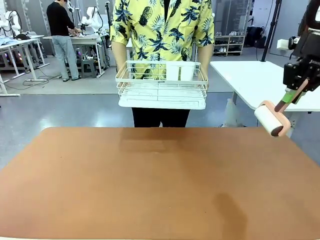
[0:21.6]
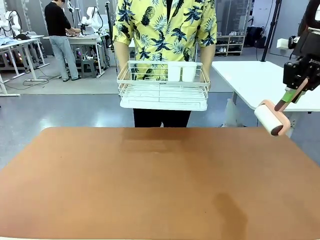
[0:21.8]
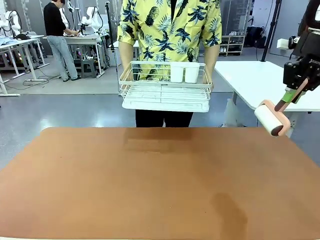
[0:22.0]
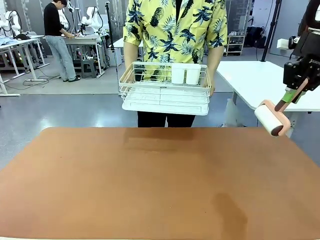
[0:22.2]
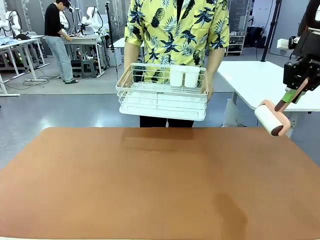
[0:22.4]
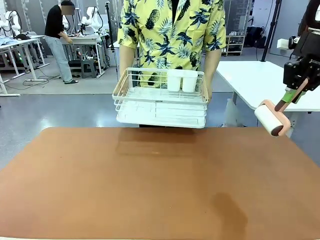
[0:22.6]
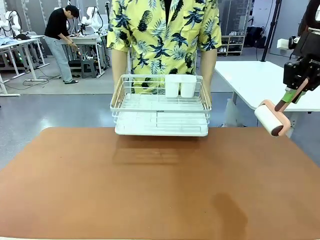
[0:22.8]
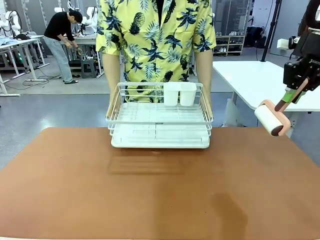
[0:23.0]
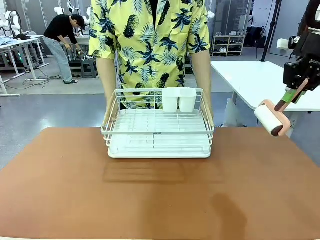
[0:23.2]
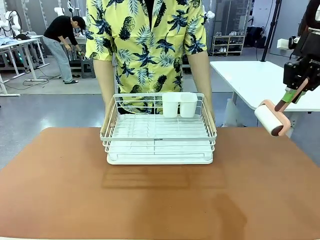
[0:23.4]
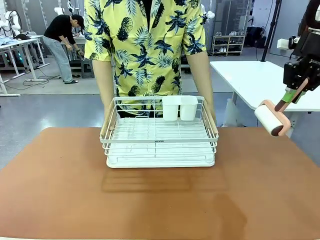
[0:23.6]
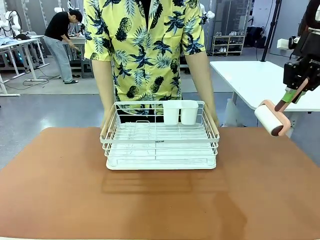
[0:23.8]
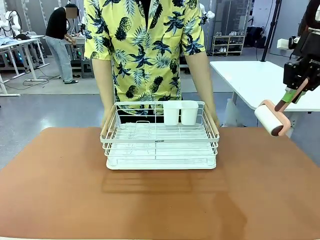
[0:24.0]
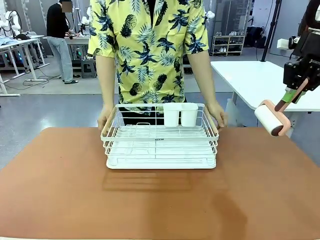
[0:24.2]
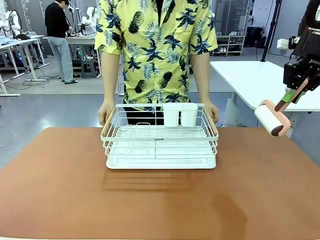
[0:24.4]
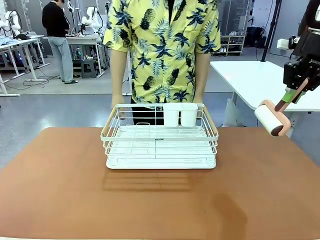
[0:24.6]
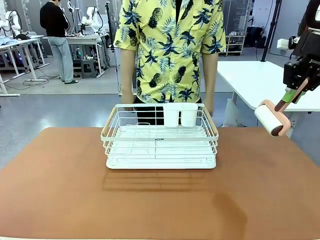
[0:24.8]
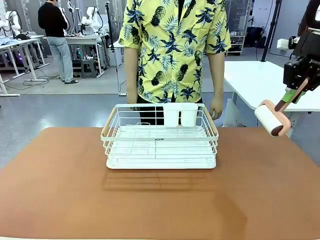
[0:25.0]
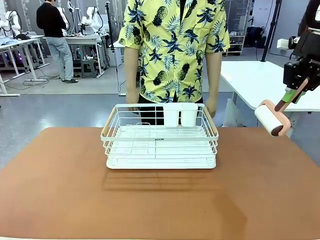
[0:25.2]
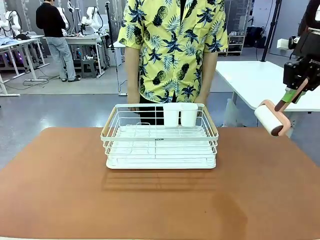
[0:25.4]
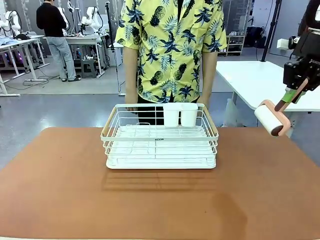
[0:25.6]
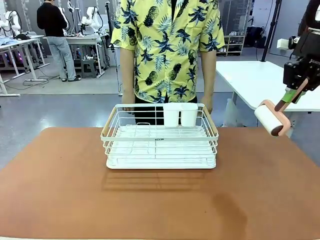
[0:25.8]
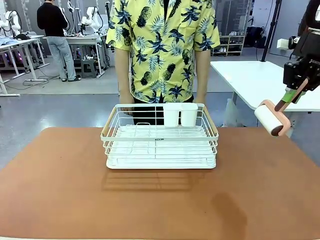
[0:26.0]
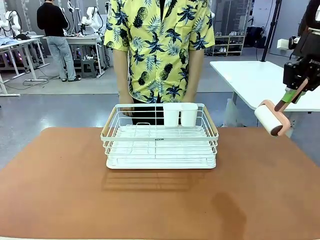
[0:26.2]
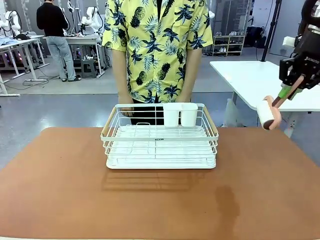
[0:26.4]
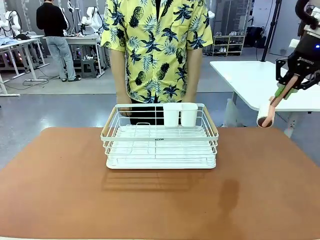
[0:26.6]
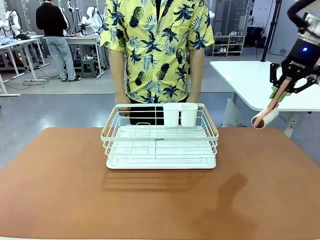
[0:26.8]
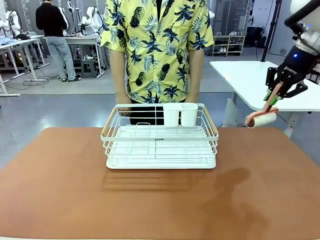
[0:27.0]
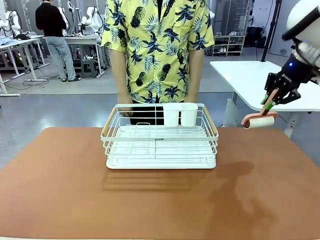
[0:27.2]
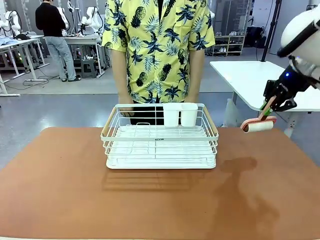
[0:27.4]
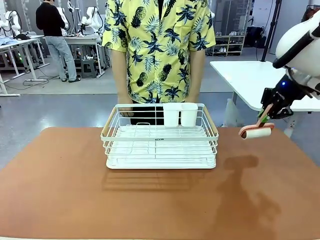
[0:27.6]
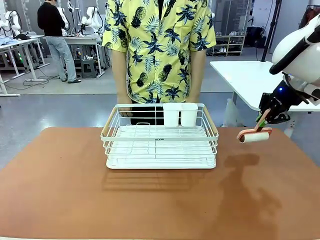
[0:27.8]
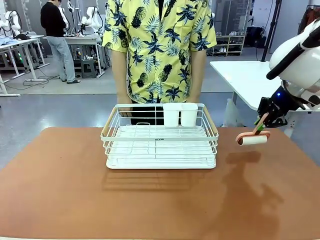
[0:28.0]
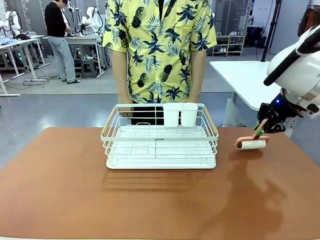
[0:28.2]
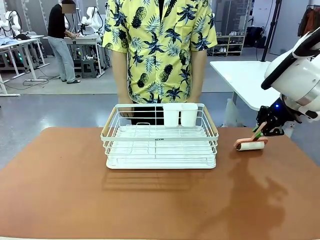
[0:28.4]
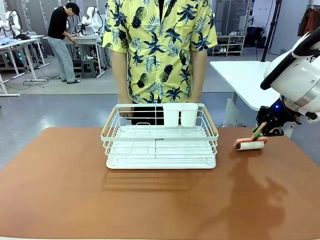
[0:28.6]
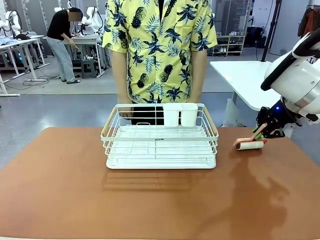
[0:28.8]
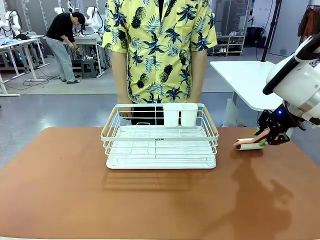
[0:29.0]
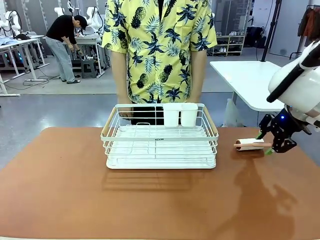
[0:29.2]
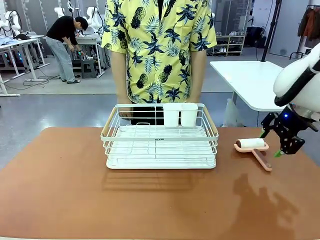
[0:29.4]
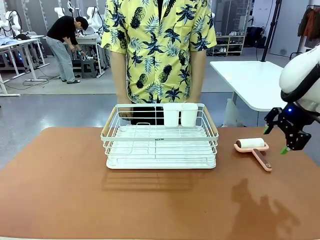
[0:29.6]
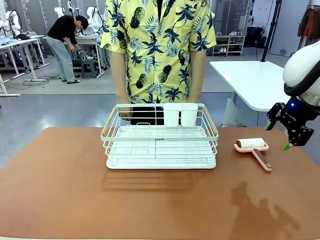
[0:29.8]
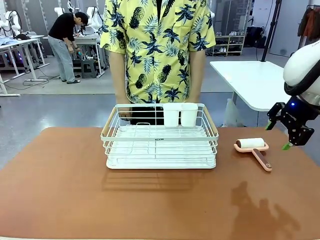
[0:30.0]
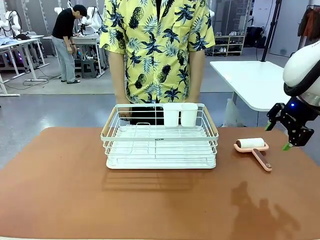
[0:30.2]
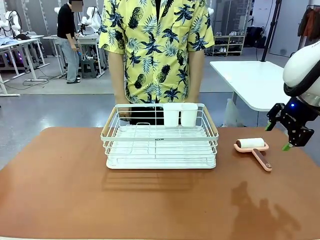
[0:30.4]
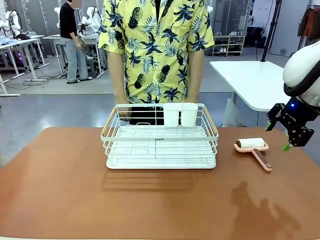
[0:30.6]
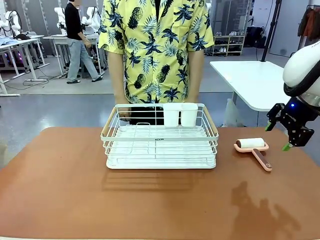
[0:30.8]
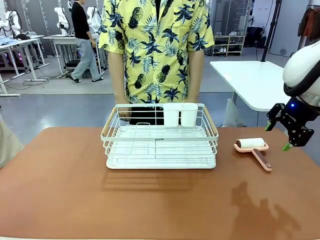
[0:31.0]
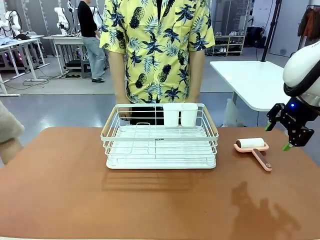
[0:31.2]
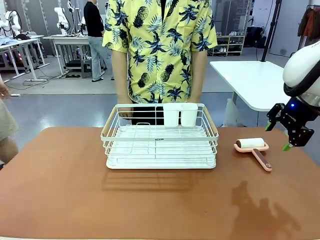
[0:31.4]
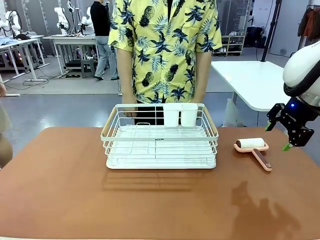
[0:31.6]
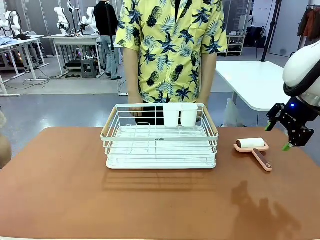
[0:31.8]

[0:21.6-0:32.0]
Task: Clean the table.
Robot: Place the Lint Roller down when the Dish drying rack is positioned in the middle of the table.
Person: Place the Dish drying rack down when the robot finishes cleaning.

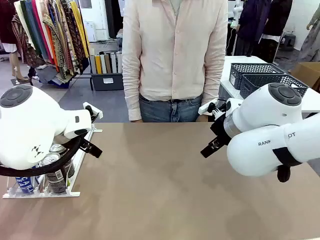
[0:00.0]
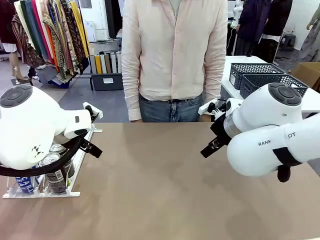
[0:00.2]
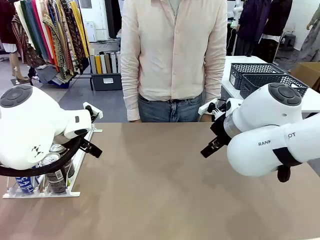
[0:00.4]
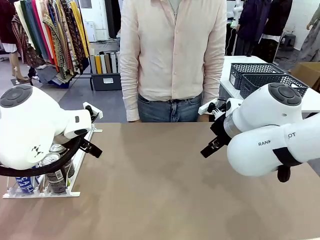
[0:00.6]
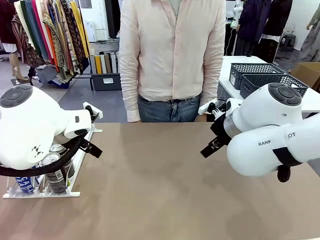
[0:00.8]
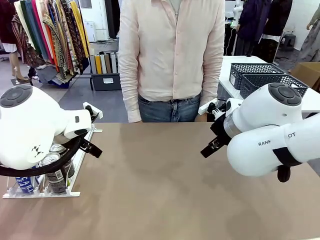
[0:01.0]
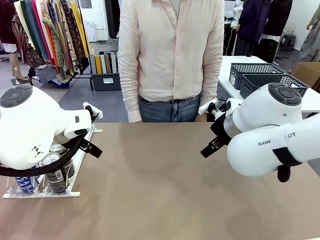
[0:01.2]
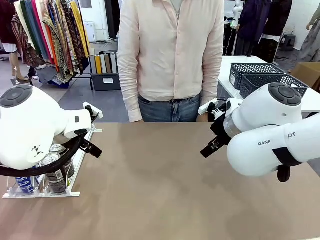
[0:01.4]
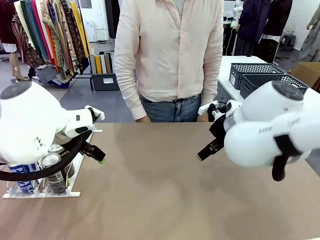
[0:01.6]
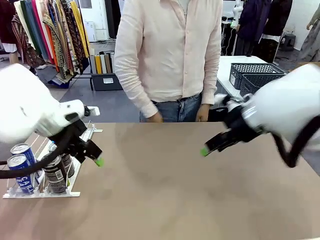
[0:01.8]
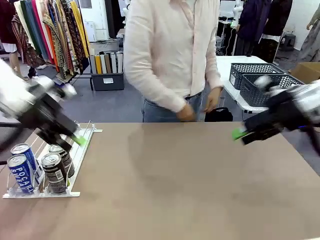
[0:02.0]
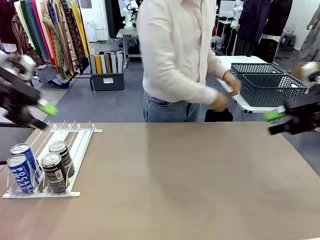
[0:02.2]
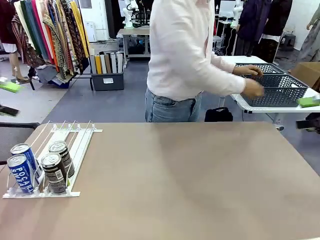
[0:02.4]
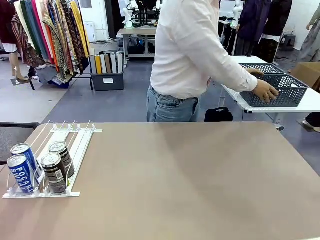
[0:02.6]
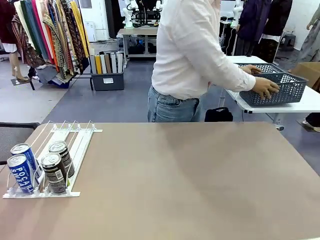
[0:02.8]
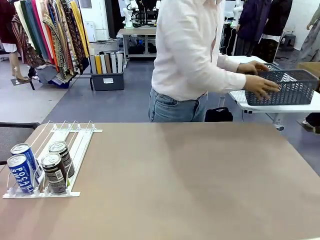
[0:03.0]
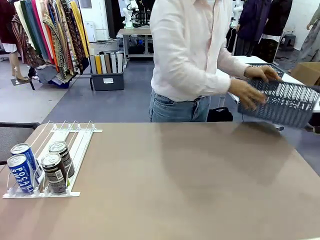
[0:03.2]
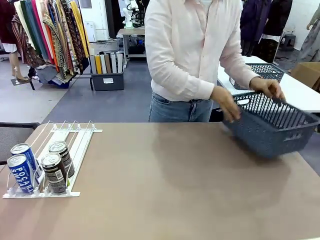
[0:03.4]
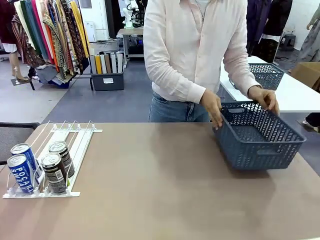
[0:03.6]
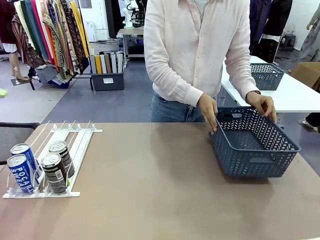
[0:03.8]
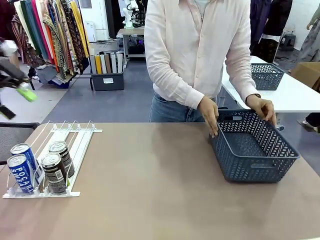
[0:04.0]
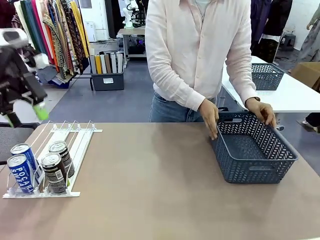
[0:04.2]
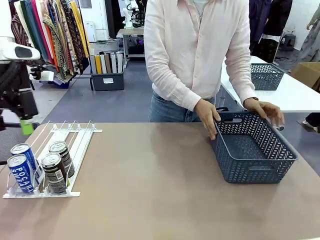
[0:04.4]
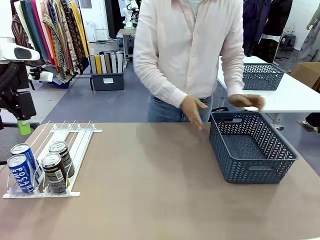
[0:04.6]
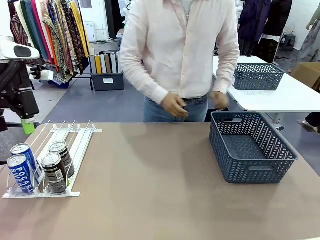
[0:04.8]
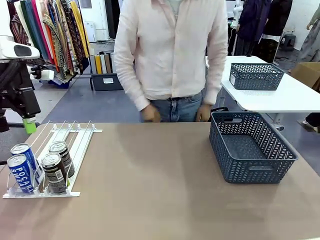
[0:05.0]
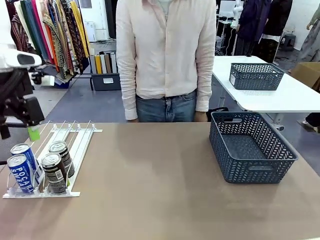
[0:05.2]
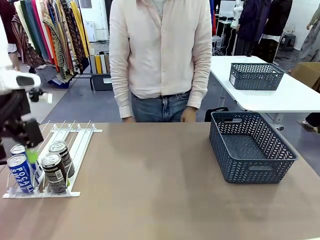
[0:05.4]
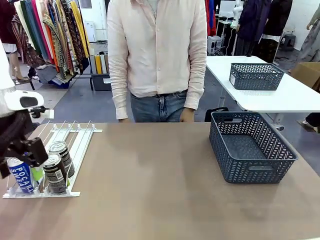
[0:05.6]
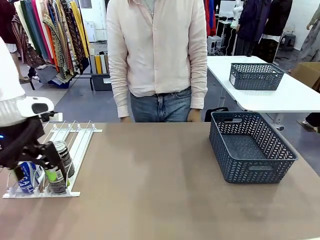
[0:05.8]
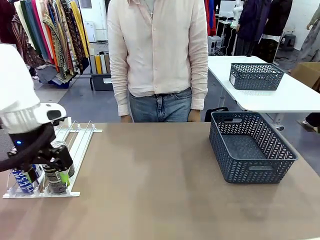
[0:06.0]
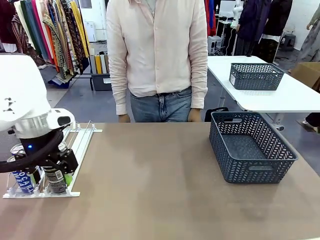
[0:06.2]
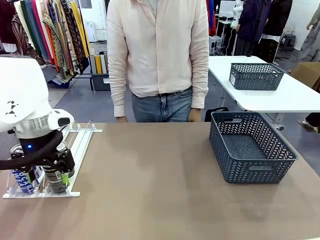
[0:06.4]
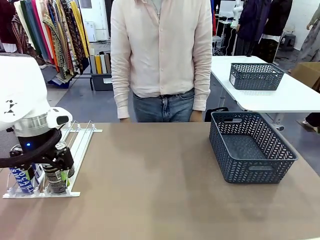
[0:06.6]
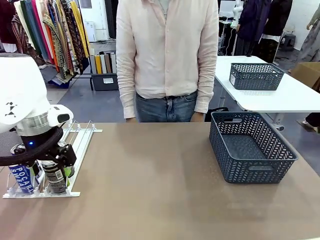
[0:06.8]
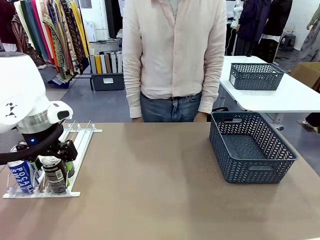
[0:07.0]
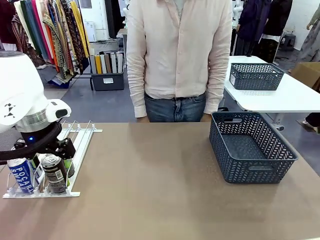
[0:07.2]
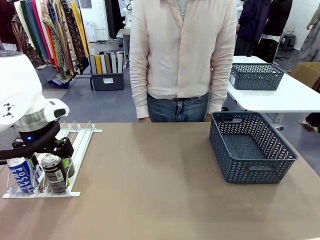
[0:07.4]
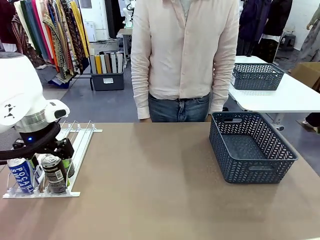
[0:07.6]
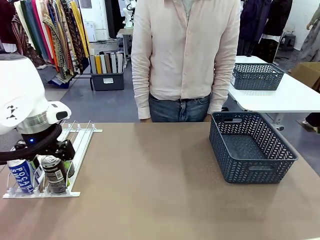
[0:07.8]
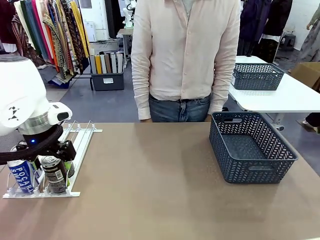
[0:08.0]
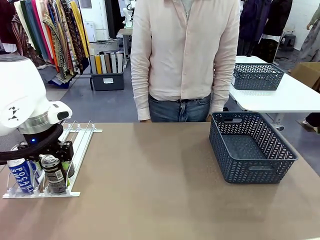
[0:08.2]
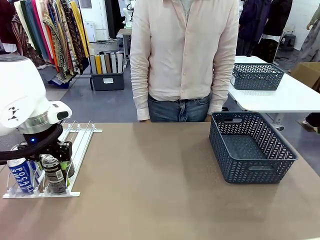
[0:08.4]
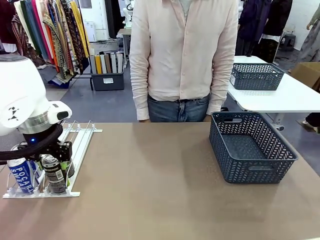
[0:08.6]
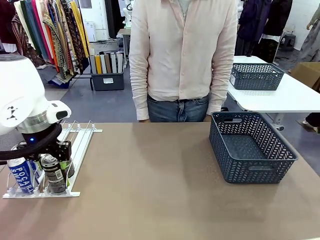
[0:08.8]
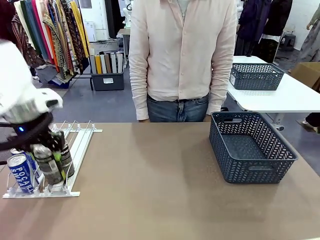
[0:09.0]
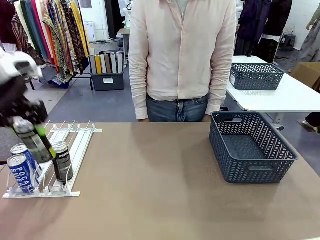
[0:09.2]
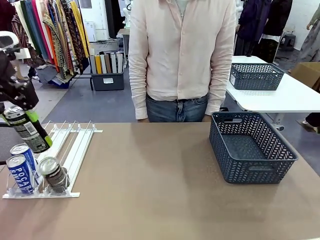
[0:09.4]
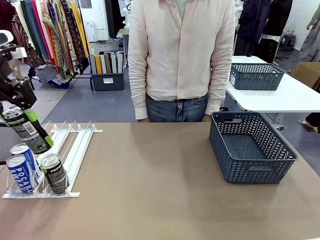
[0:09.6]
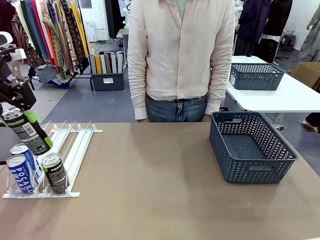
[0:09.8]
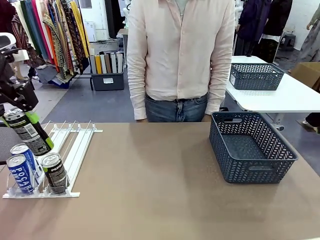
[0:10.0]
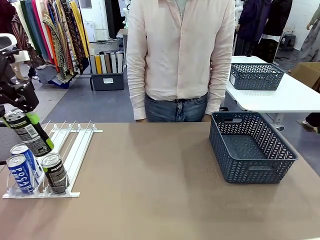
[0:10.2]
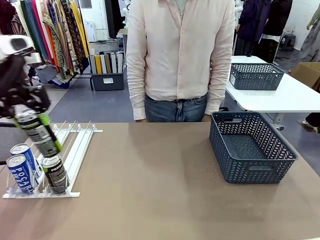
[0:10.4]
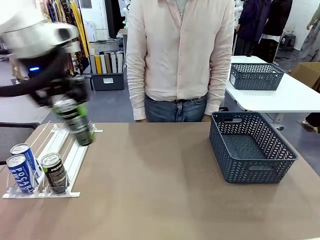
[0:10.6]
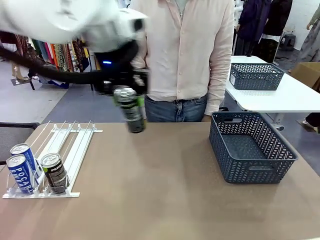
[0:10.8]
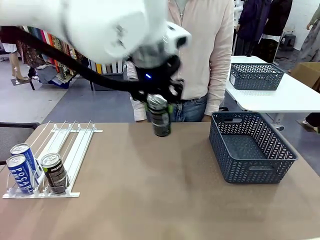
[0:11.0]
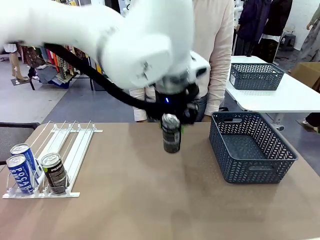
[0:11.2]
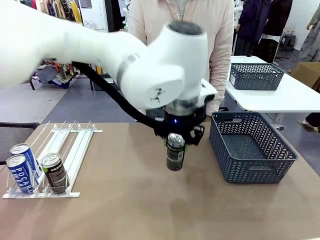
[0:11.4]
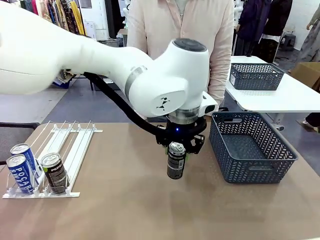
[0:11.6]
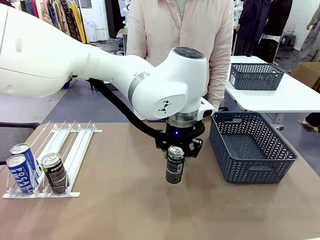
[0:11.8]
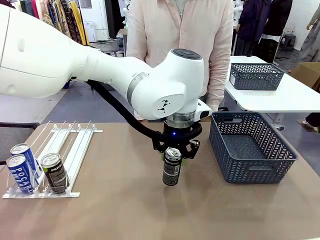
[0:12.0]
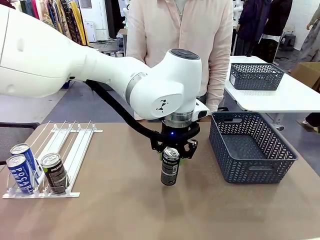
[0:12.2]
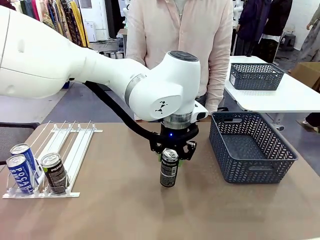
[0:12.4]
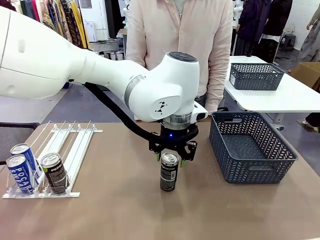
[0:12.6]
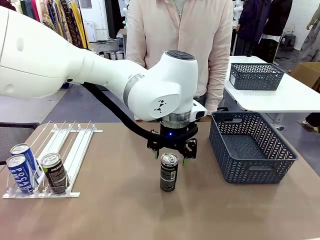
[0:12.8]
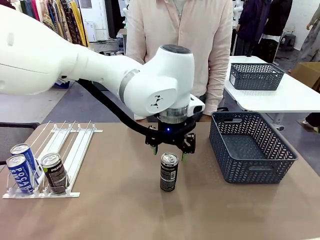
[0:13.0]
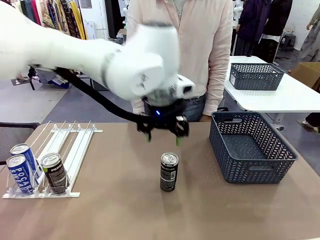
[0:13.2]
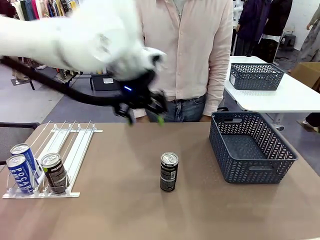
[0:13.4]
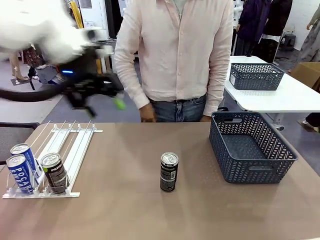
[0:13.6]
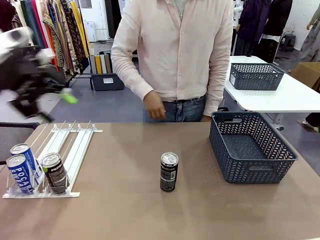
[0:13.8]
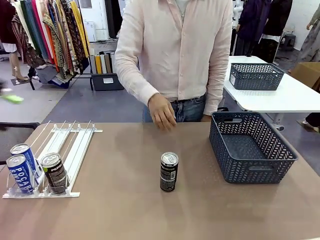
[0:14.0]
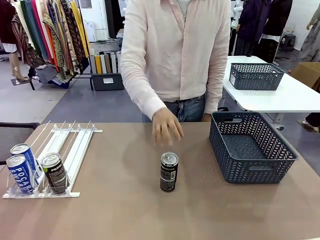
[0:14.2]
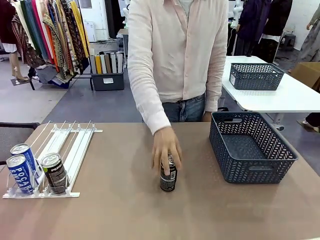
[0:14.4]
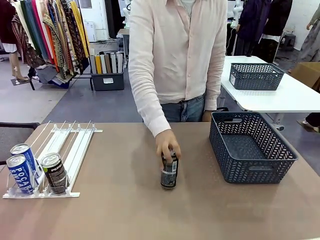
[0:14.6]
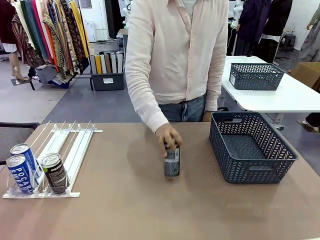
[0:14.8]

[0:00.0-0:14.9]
Task: Retrieve and store the cans from the dispenser.
Robot: Pick up one can from the Automatic Can Dispenser and place it in the middle of the table.
Person: Pick up the basket and place it on the left side of the robot table.
